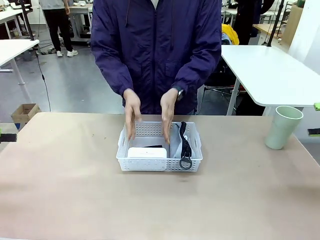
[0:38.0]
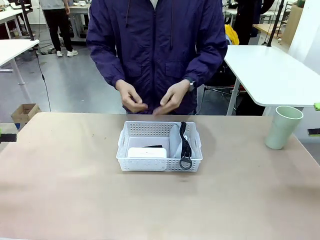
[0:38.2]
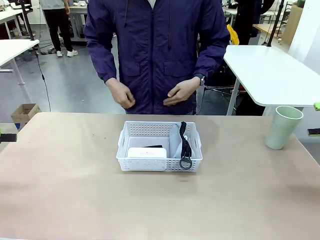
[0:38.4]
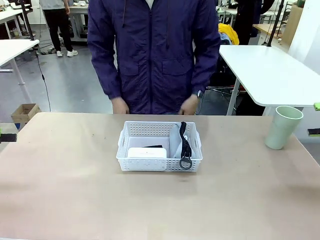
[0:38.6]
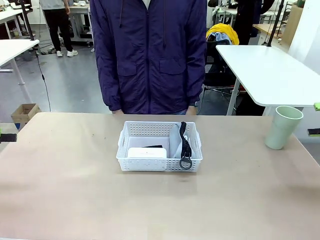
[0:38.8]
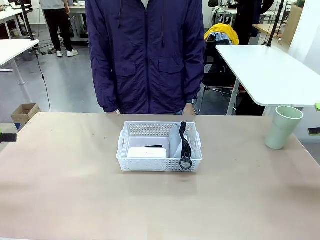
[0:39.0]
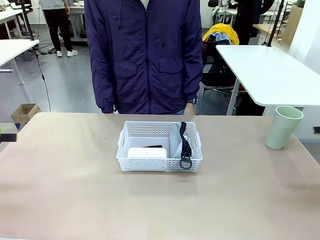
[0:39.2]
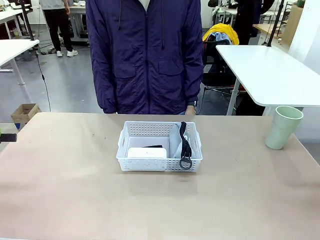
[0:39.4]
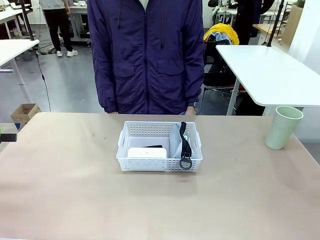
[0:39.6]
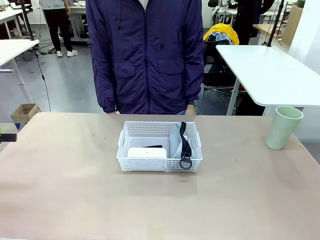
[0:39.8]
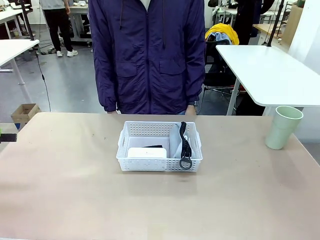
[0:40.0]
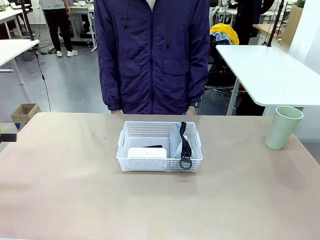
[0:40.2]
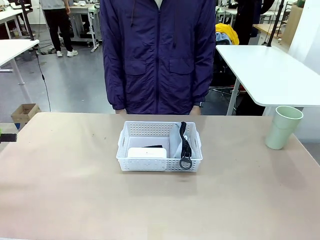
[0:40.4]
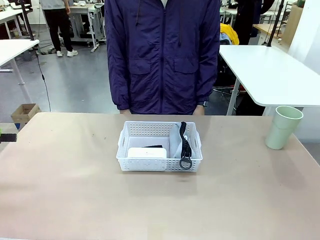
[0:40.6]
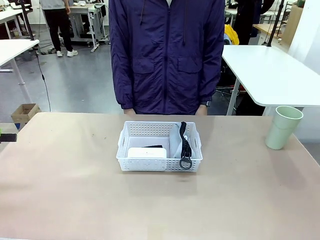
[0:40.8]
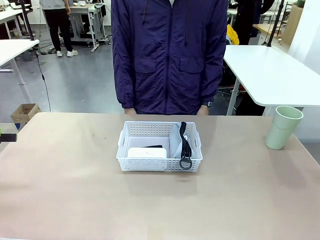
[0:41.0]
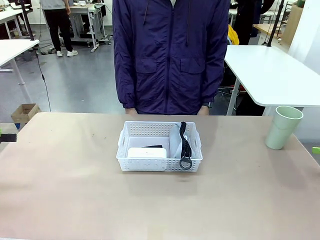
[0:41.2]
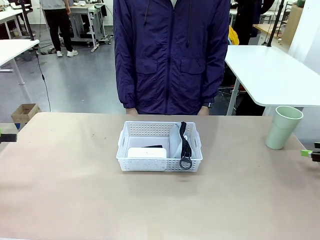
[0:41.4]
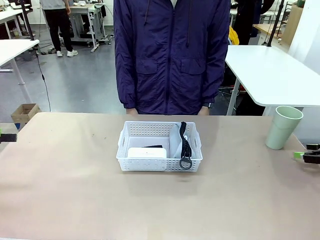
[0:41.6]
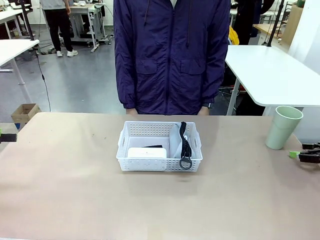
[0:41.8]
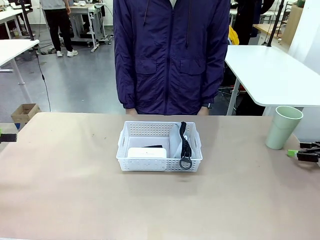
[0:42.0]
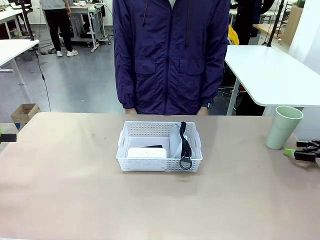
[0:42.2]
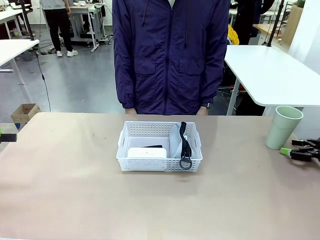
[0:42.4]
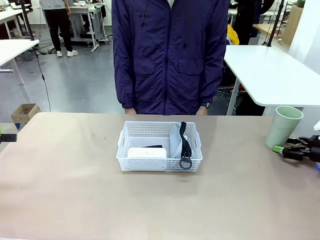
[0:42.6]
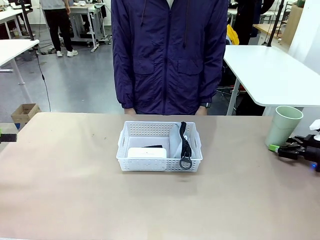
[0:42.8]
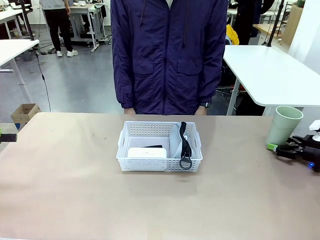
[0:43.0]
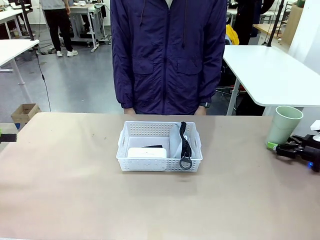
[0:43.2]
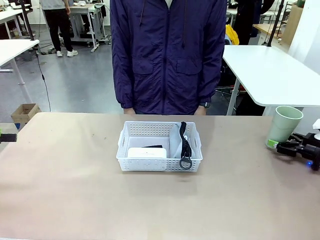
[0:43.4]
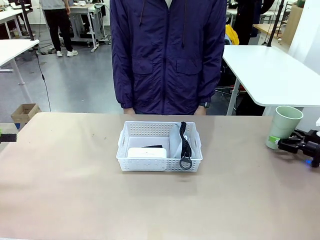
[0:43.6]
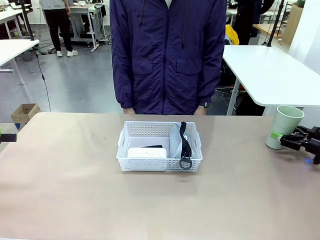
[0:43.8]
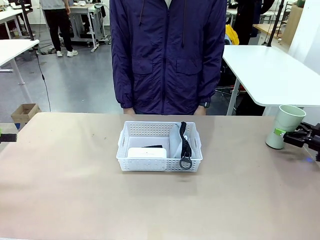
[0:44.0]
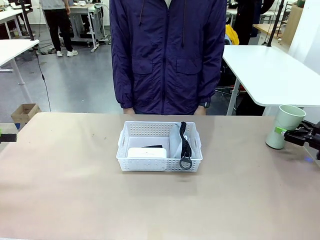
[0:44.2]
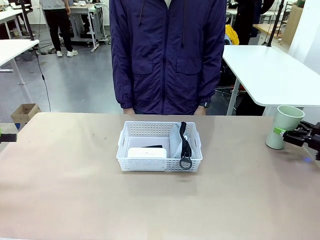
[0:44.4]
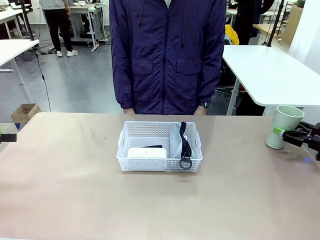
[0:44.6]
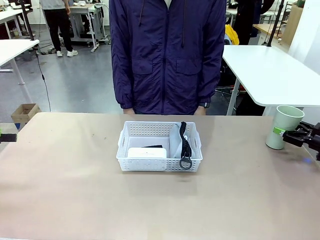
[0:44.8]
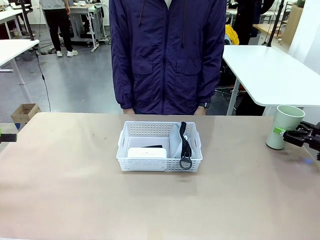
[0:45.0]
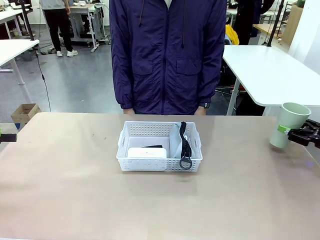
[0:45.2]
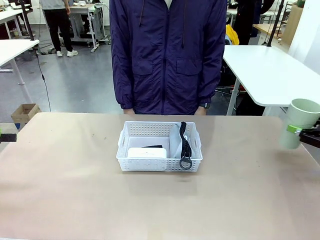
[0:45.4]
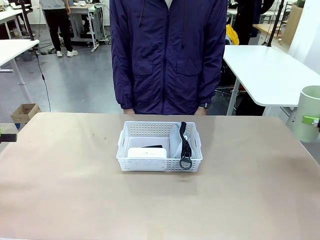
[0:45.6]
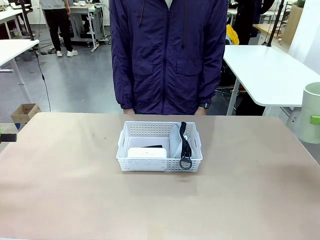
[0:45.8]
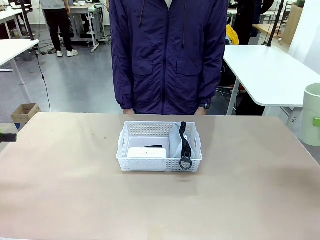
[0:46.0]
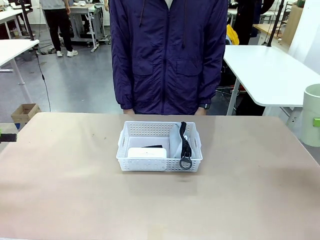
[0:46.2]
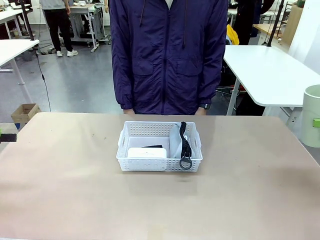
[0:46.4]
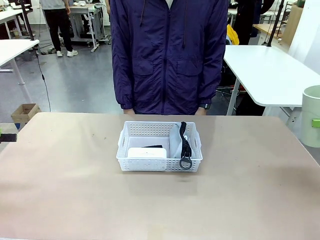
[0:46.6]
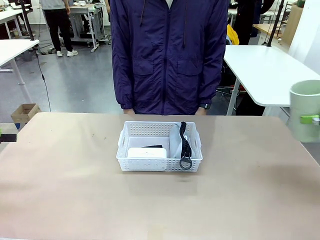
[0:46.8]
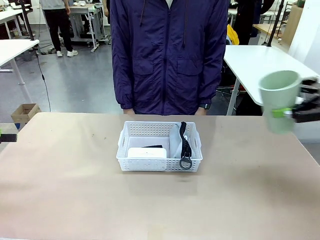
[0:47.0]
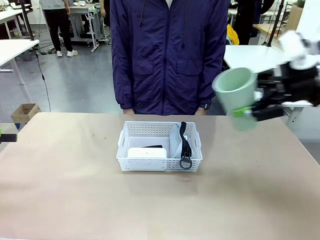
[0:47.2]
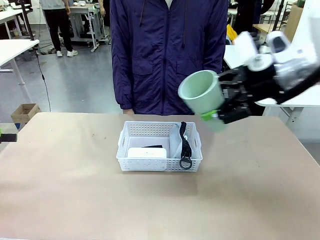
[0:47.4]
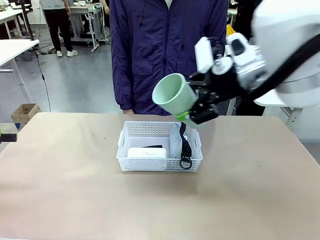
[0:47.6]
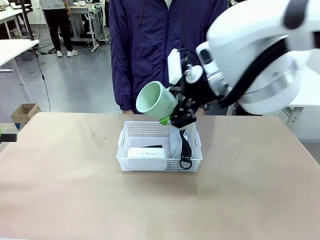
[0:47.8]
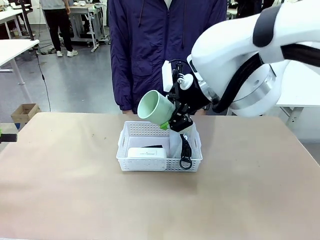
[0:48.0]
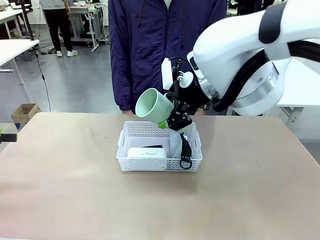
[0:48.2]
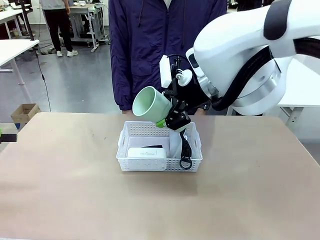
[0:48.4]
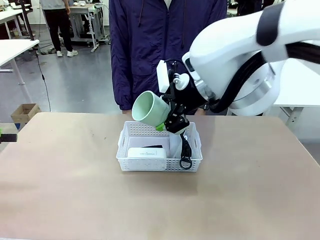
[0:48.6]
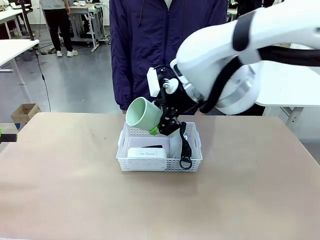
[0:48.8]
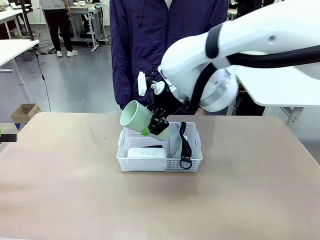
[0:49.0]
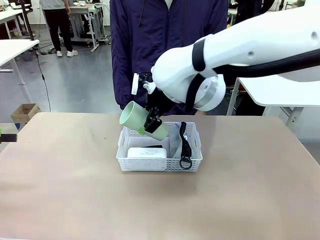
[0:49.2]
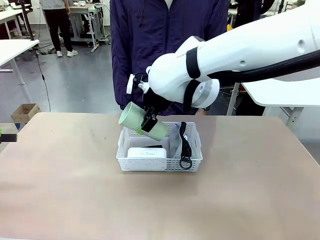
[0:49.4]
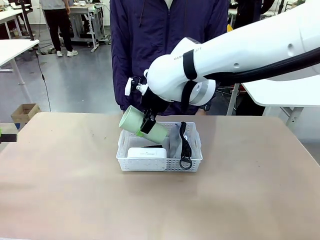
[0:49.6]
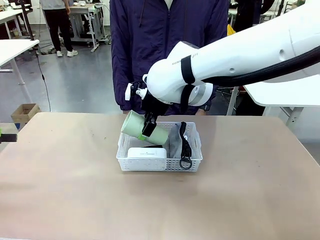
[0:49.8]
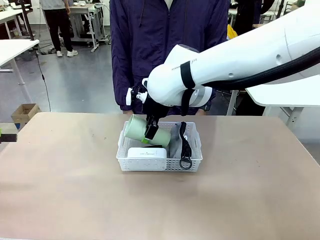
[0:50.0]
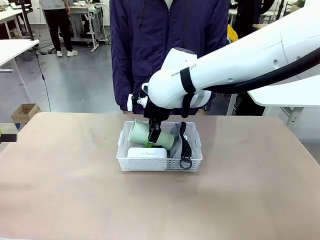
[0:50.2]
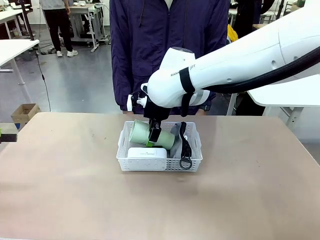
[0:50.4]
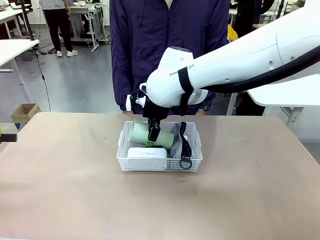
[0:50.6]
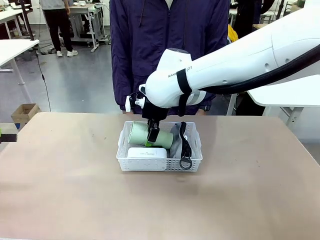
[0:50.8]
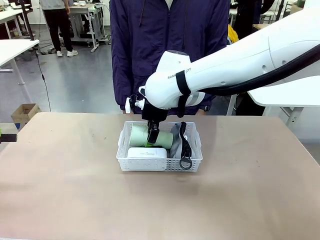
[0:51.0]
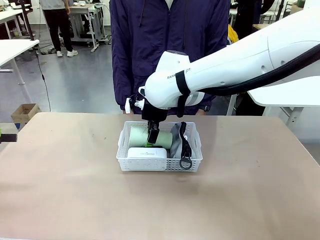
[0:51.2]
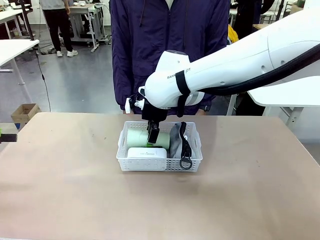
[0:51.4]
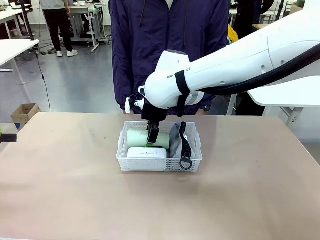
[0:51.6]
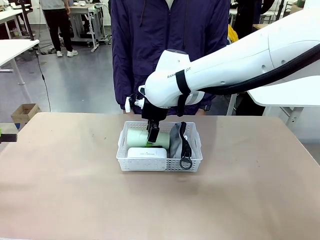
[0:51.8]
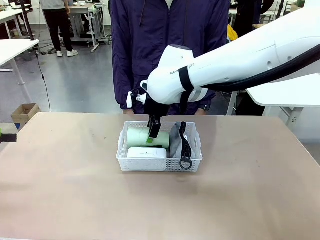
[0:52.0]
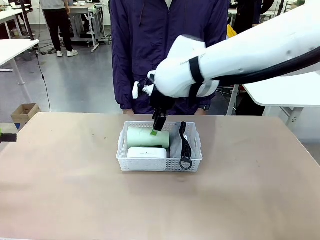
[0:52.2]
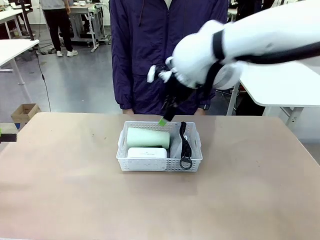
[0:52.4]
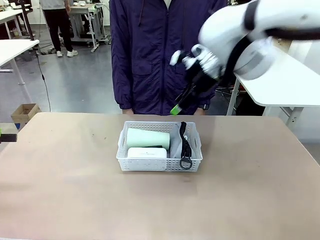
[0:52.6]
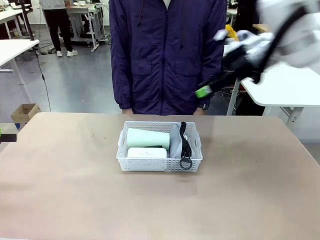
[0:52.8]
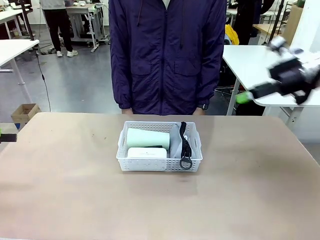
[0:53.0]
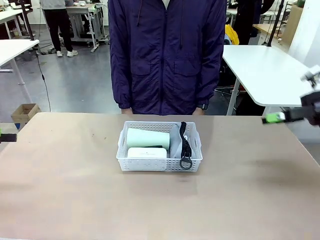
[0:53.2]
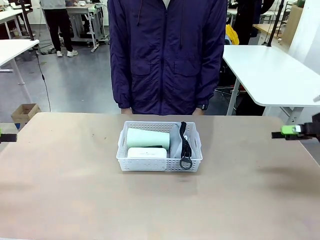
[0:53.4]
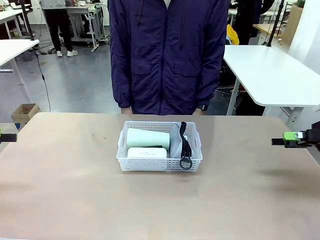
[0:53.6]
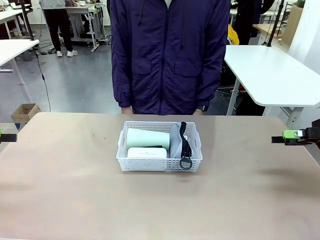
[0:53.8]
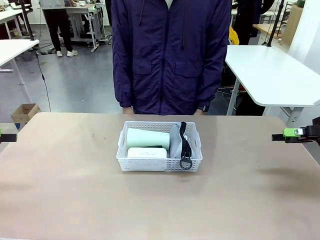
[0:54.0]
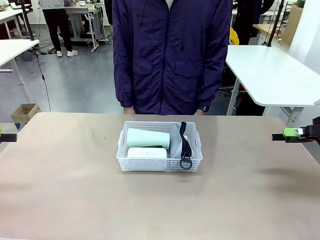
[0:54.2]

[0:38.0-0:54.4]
Task: Efficiently arrange items inside the basket to fit them all.
Robot: Pick up the Reusable plastic cup and place it inside the Organizing basket.
Person: Repositions the stapler.
